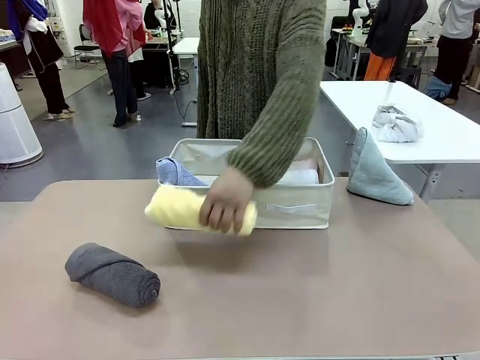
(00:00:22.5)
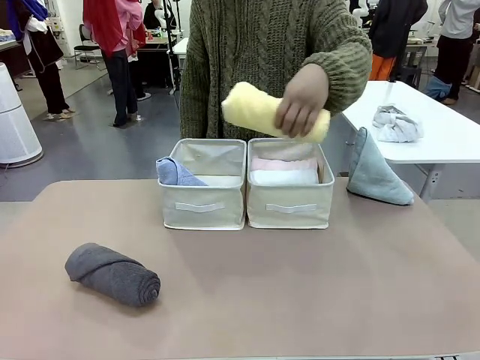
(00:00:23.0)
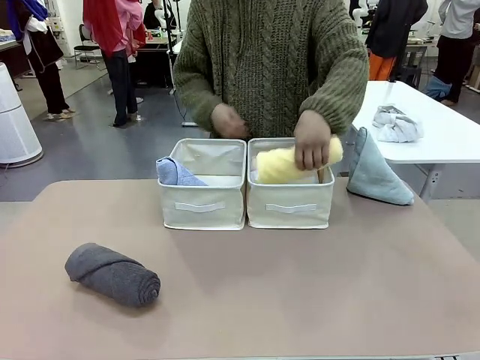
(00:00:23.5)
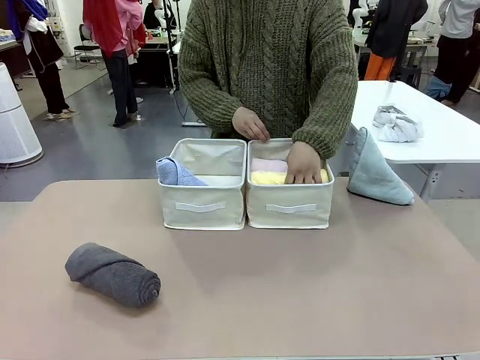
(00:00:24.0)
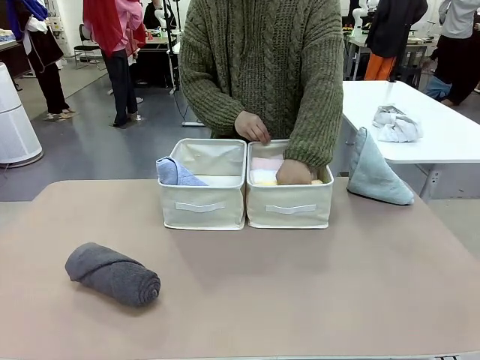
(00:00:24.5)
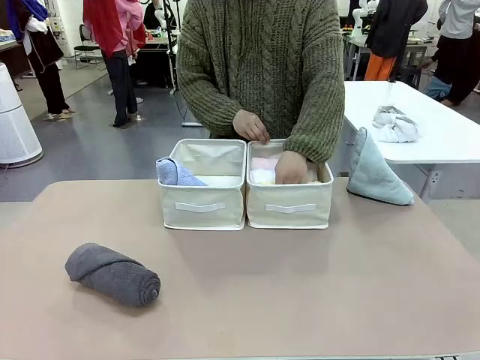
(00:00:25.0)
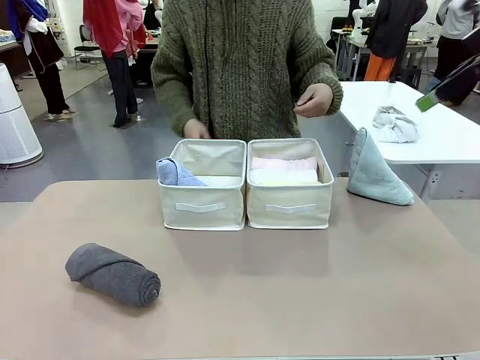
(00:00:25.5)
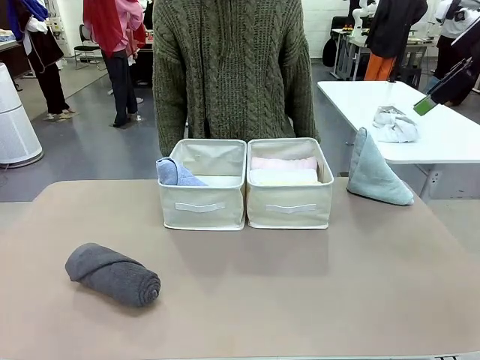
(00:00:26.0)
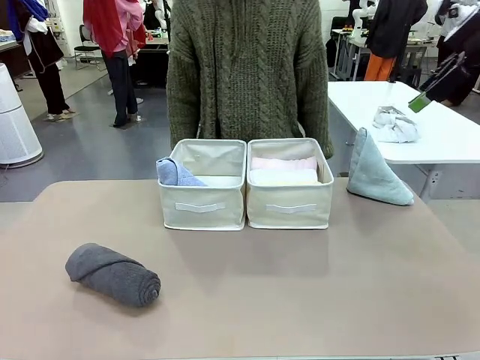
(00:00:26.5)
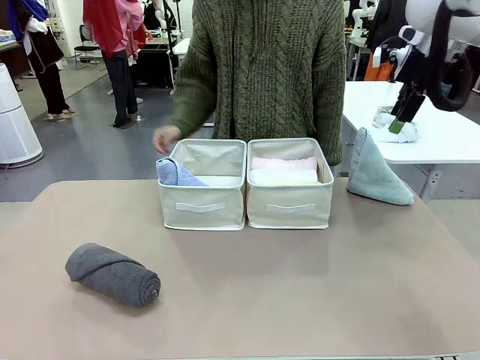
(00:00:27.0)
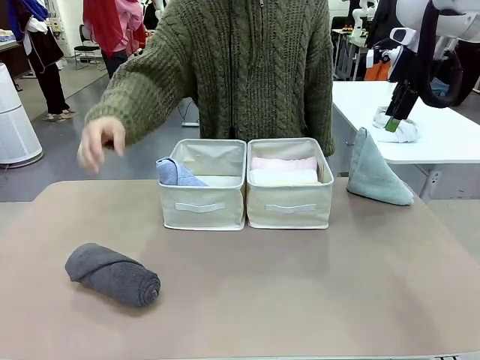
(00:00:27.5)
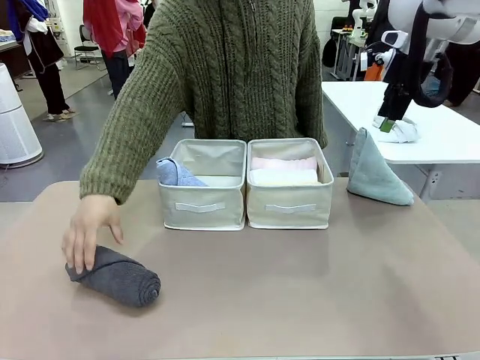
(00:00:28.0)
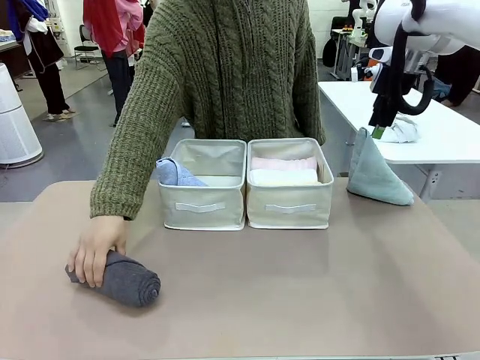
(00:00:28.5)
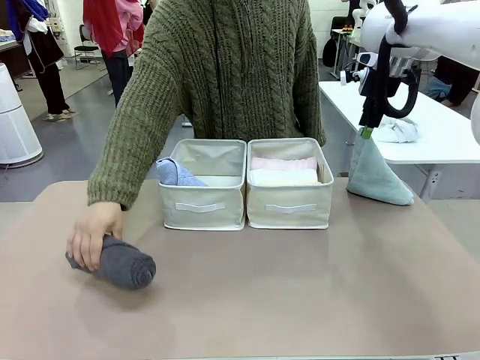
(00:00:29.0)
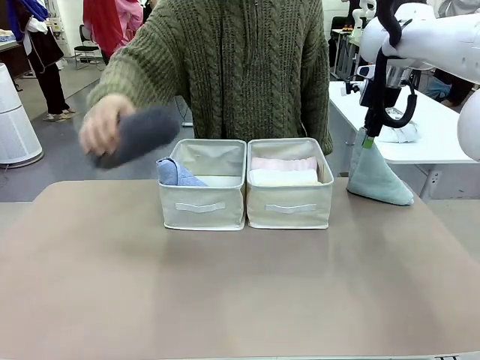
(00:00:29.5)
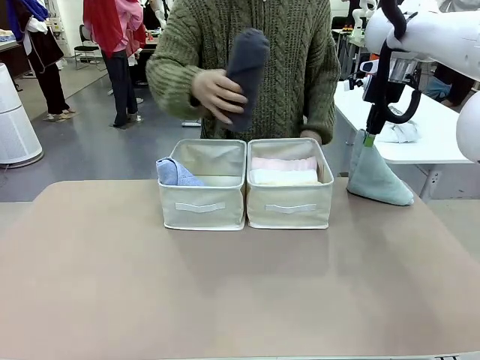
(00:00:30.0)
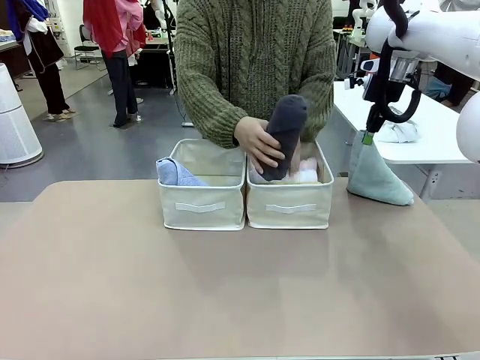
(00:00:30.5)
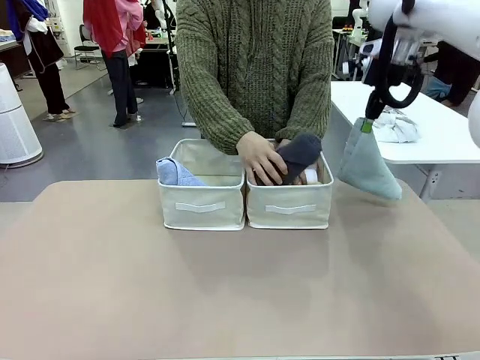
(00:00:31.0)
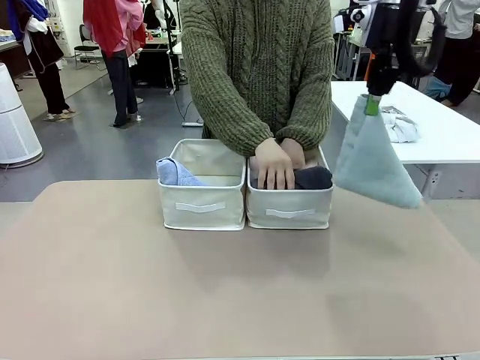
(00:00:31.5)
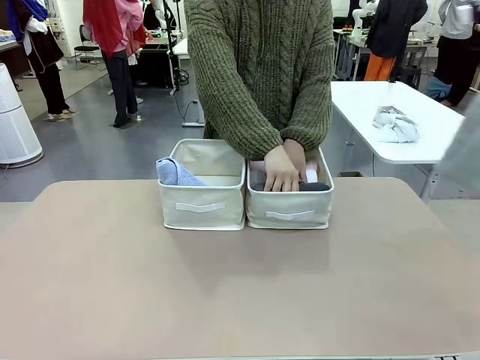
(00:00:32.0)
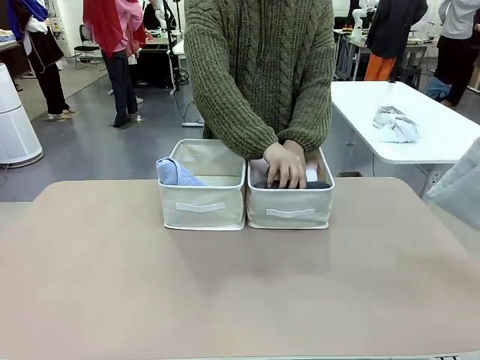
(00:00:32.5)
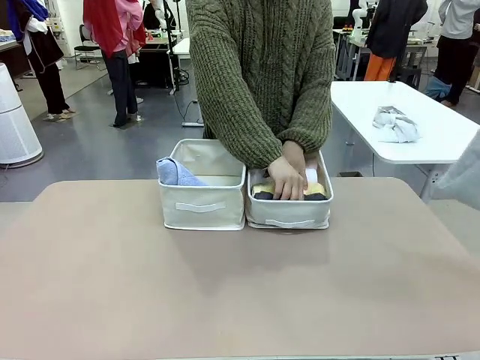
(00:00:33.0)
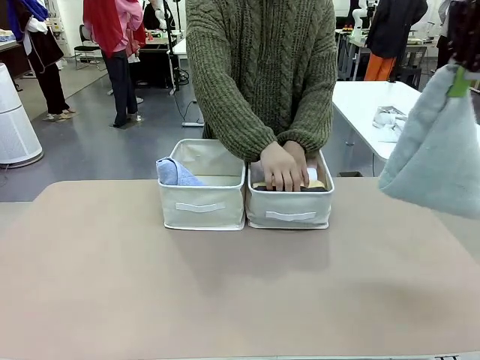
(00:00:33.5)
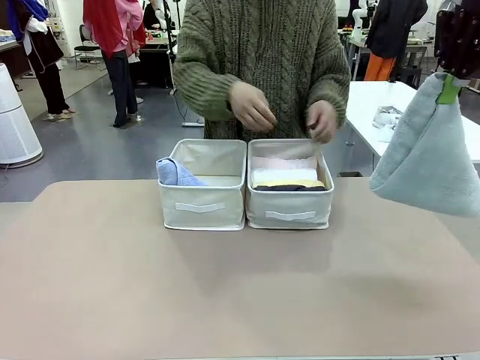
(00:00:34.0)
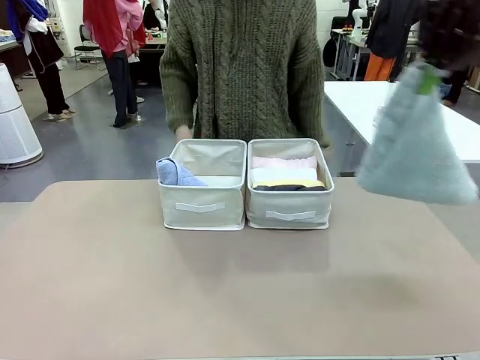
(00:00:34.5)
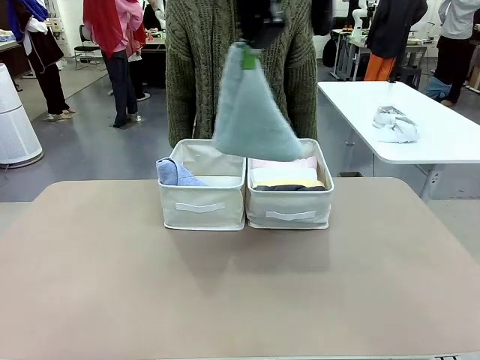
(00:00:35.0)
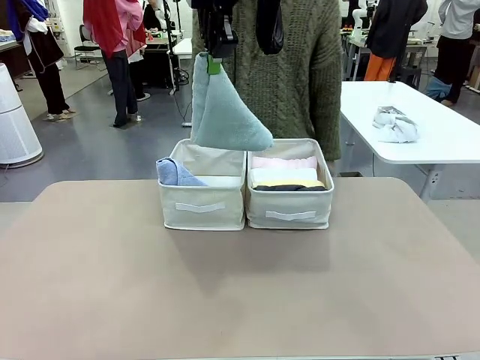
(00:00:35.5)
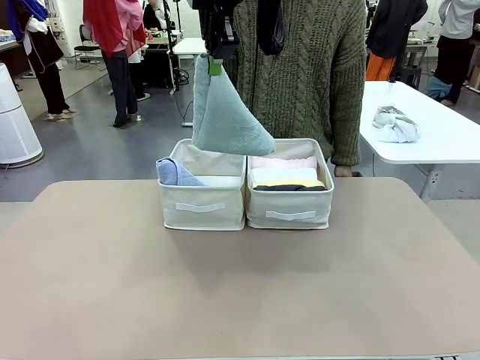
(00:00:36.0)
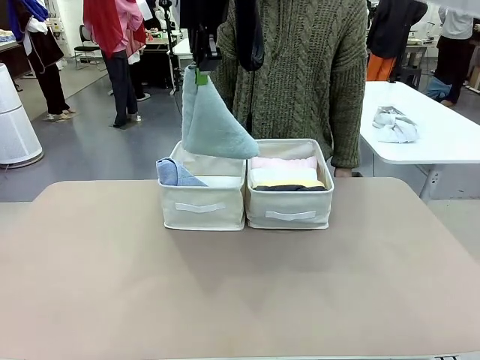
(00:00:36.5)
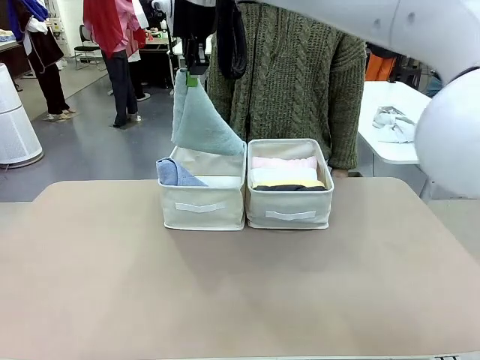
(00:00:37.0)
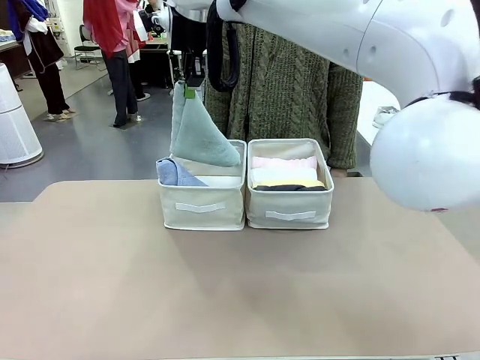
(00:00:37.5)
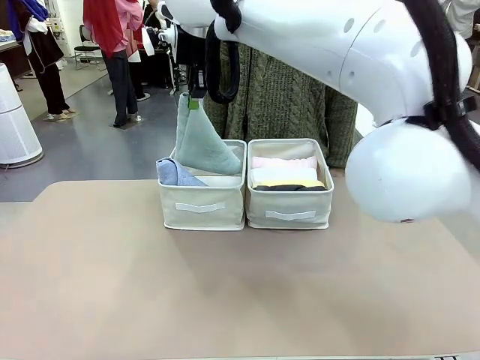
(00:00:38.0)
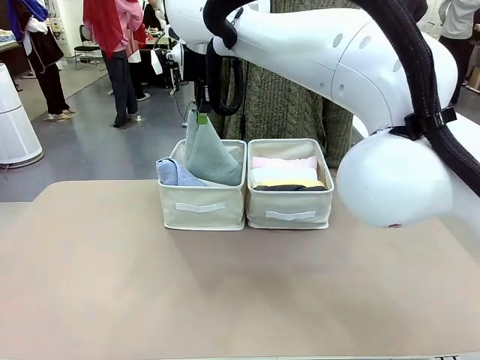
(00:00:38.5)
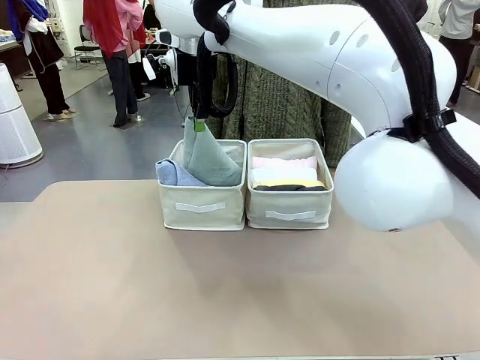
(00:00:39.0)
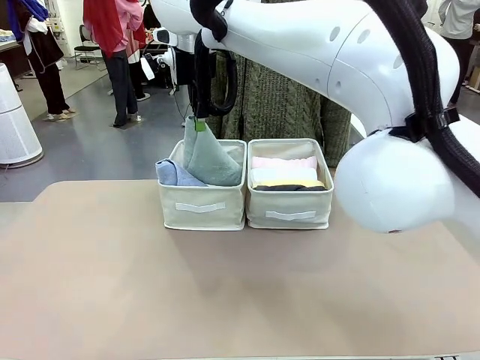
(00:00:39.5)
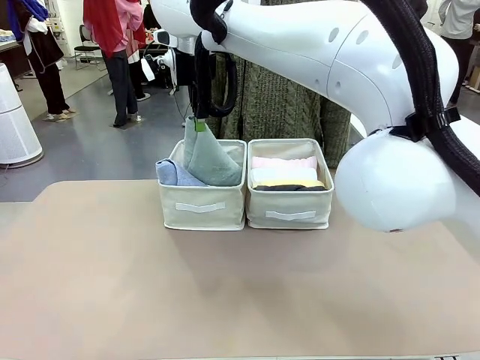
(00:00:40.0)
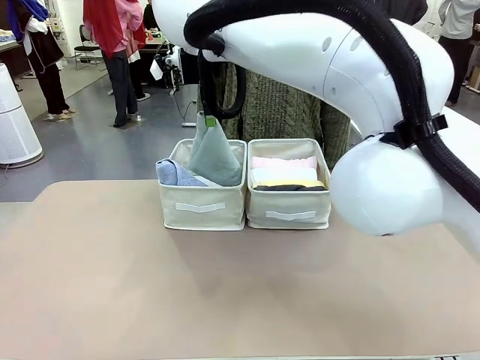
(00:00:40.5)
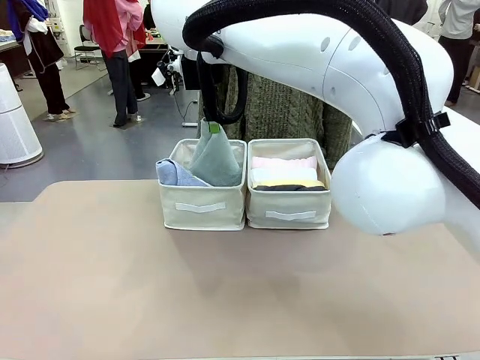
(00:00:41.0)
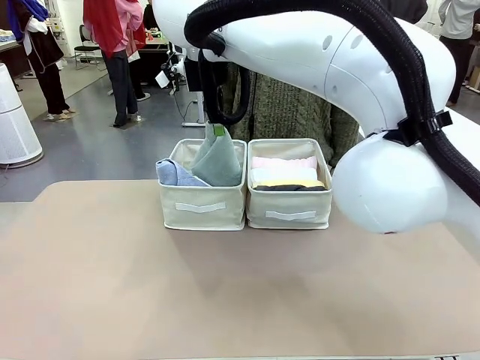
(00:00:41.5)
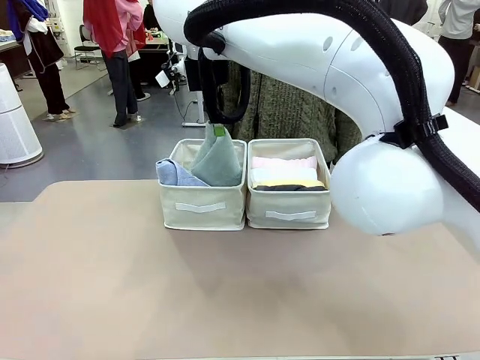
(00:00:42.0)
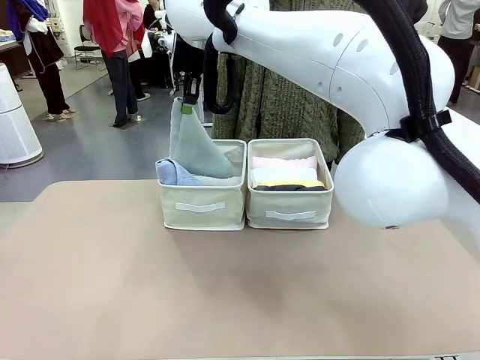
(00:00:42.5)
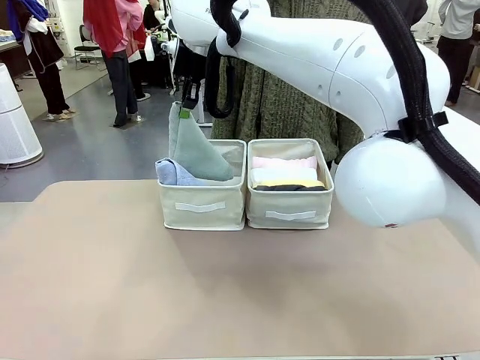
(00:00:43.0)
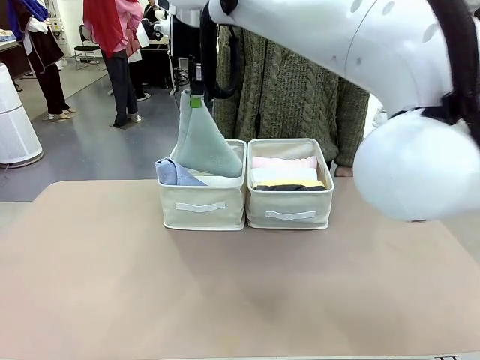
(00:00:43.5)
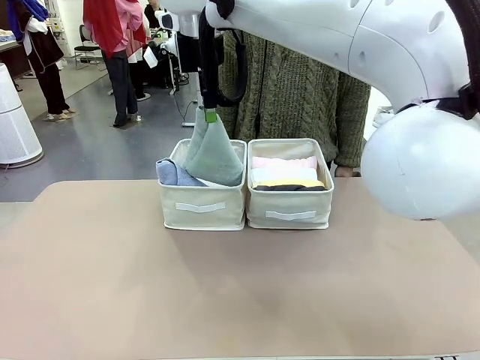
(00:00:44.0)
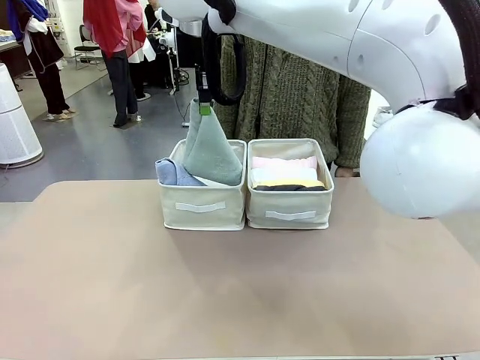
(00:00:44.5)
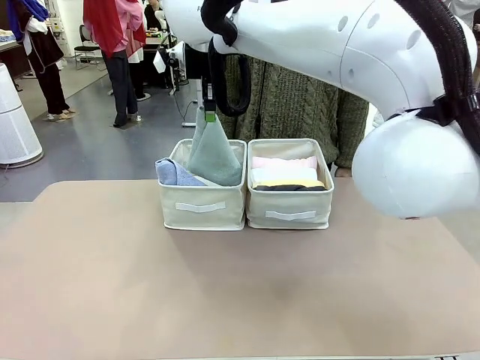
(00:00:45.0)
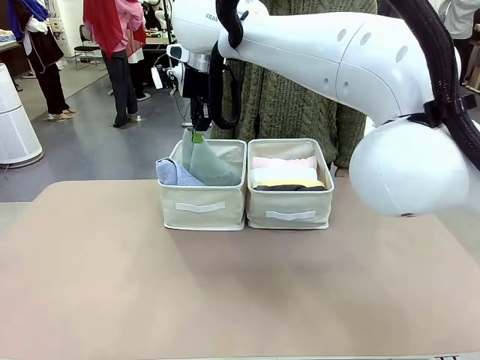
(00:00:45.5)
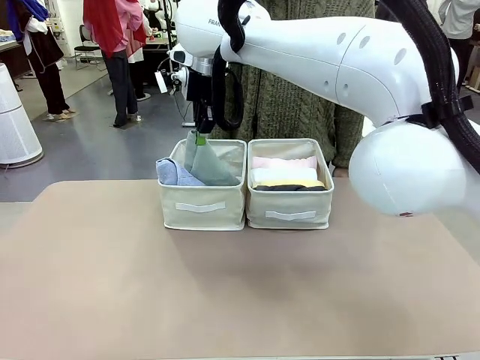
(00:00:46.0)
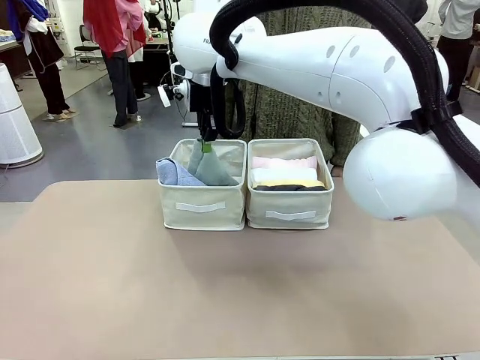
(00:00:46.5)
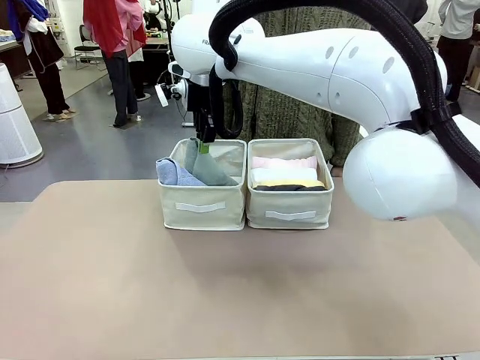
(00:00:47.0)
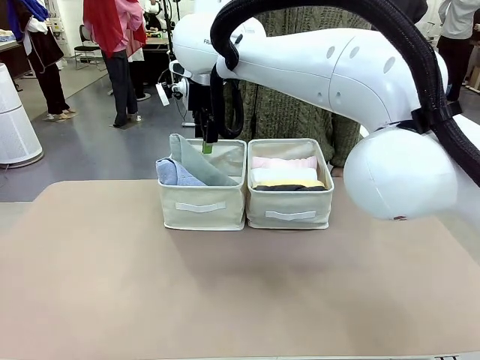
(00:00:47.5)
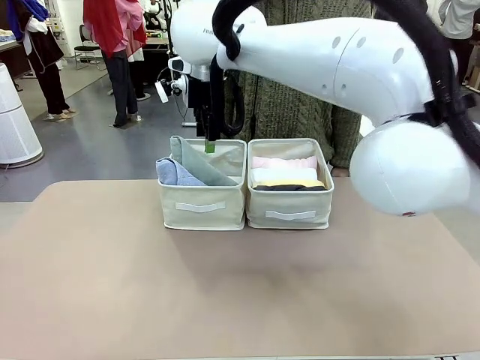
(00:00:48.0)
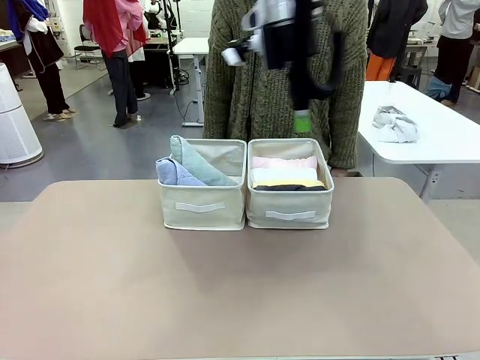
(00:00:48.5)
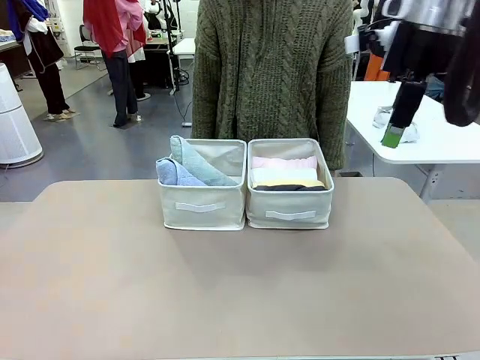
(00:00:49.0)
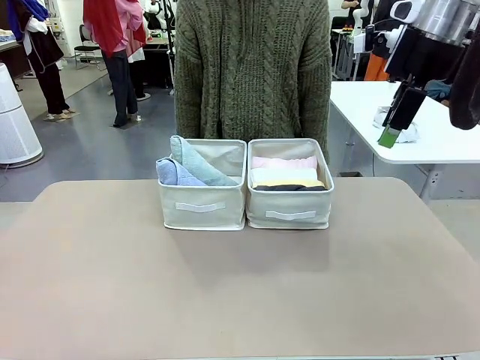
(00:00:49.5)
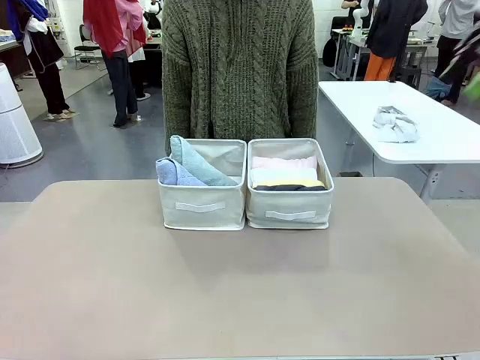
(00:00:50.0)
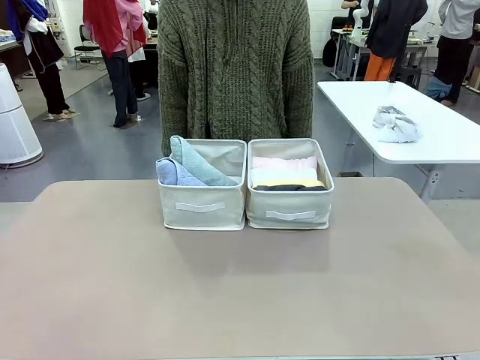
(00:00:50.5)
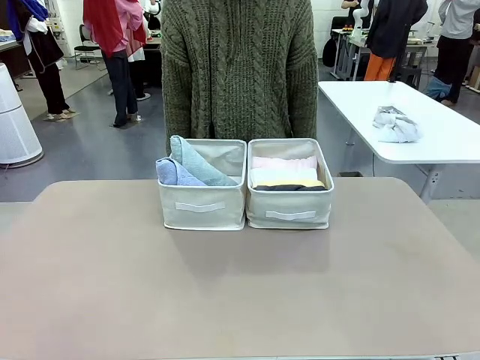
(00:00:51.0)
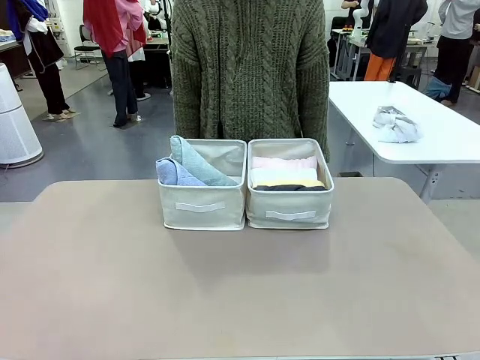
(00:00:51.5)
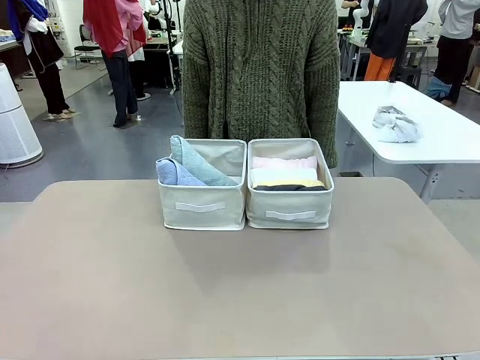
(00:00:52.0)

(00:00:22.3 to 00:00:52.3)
Task: Sort the towels based on their folding style.
Robot: Pick up another triangle-folded towel from the table and place it in the left Fabric basket.
Person: Pick up one hotel-style rolled towel from the table and place it in the left fabric basket.
